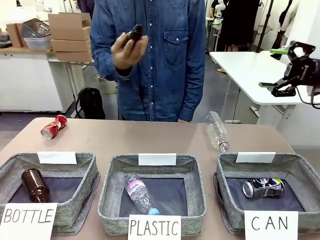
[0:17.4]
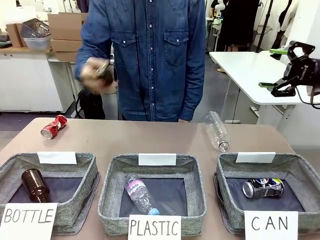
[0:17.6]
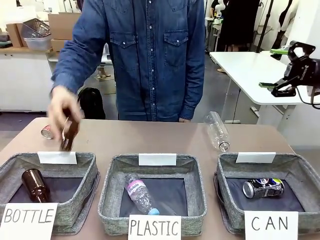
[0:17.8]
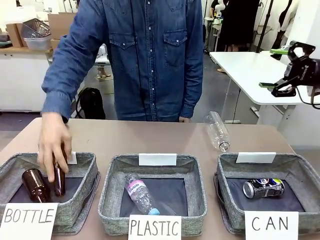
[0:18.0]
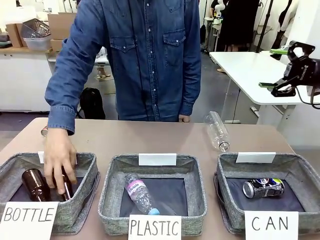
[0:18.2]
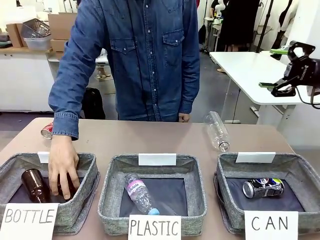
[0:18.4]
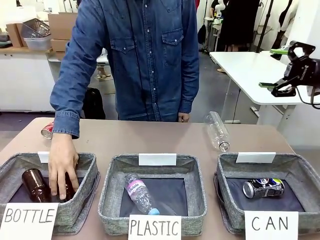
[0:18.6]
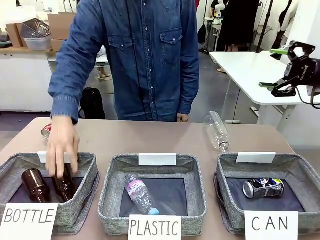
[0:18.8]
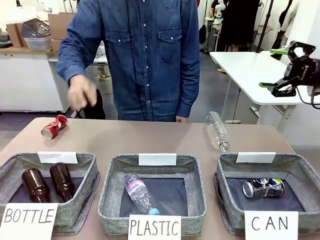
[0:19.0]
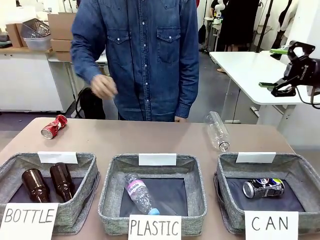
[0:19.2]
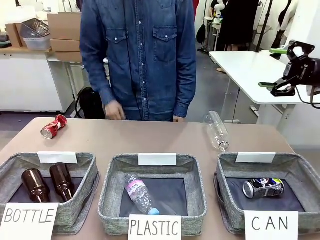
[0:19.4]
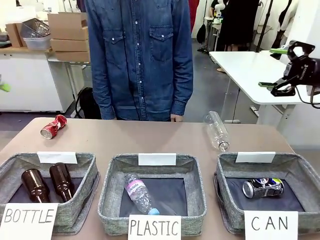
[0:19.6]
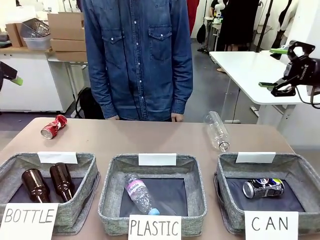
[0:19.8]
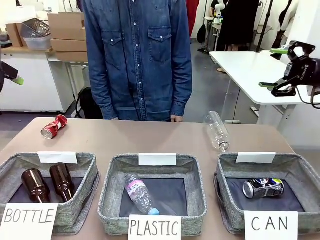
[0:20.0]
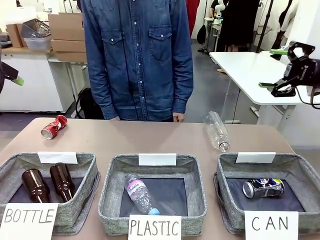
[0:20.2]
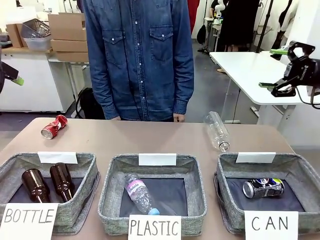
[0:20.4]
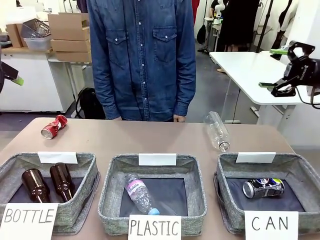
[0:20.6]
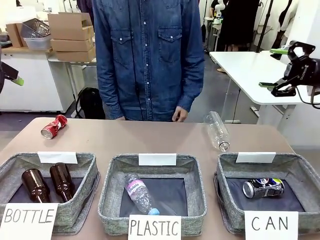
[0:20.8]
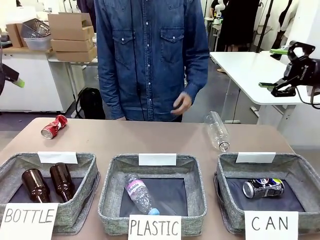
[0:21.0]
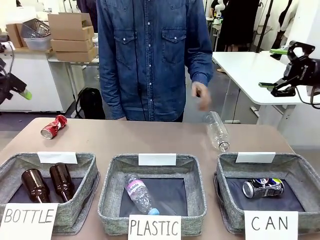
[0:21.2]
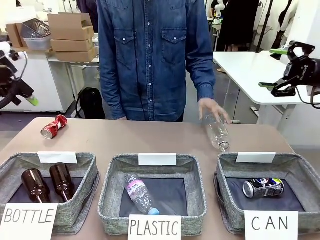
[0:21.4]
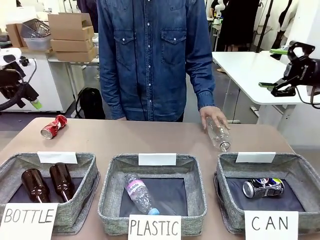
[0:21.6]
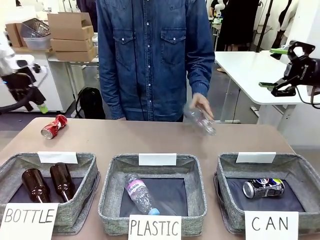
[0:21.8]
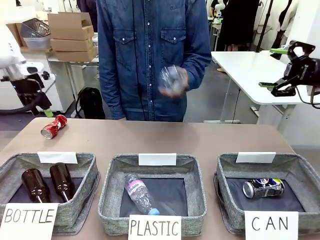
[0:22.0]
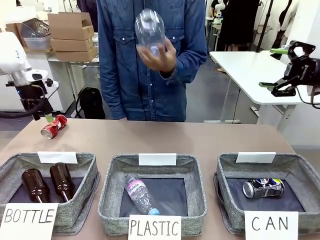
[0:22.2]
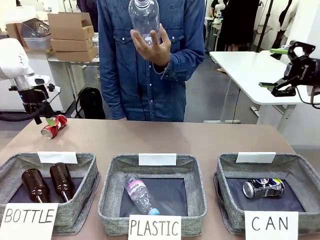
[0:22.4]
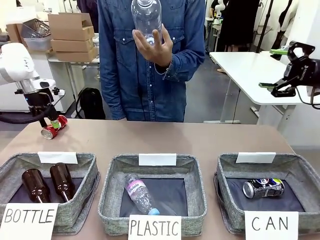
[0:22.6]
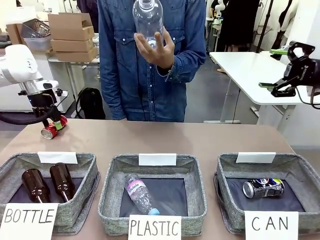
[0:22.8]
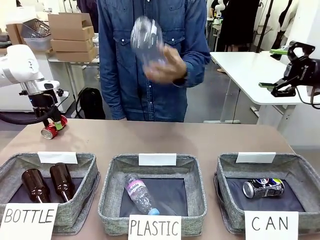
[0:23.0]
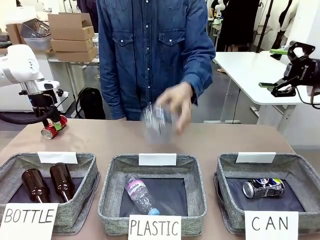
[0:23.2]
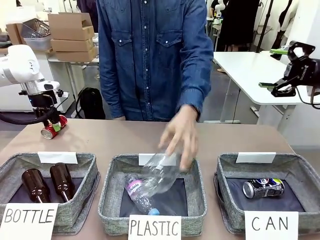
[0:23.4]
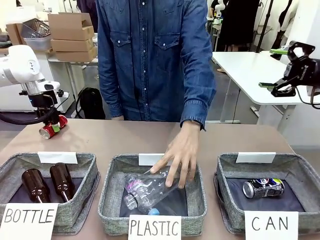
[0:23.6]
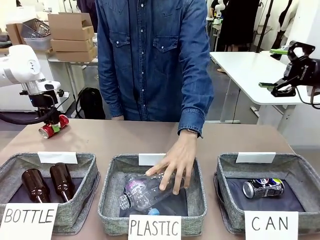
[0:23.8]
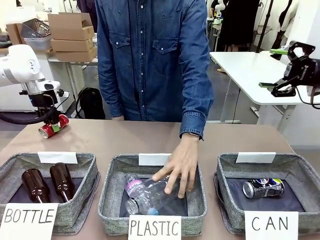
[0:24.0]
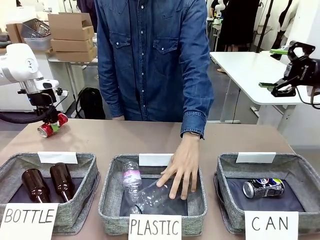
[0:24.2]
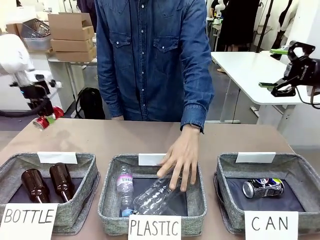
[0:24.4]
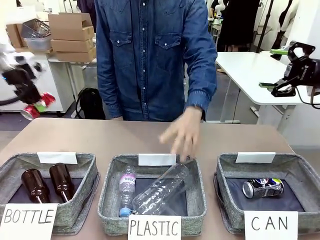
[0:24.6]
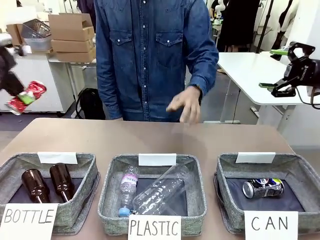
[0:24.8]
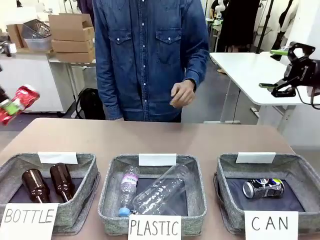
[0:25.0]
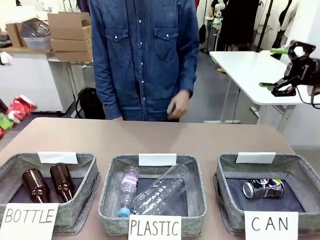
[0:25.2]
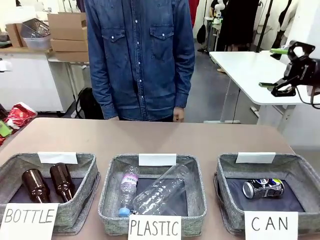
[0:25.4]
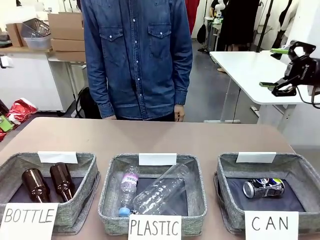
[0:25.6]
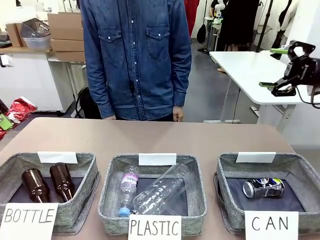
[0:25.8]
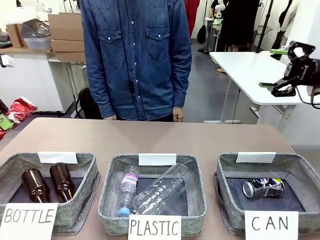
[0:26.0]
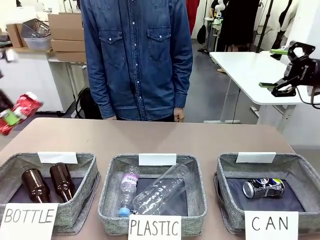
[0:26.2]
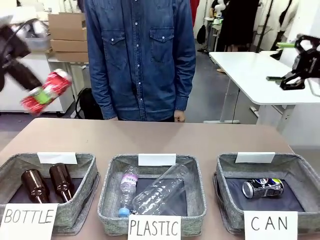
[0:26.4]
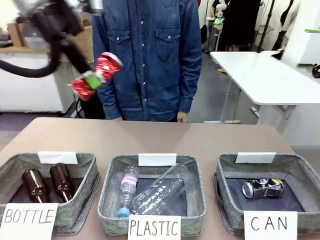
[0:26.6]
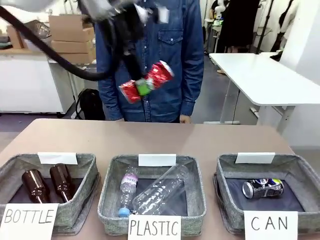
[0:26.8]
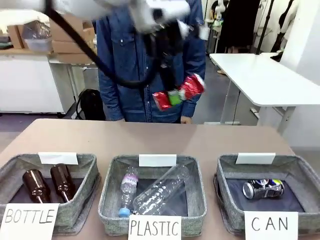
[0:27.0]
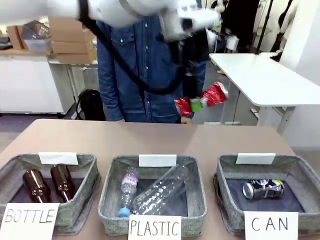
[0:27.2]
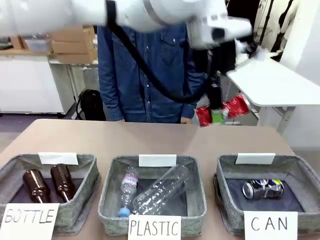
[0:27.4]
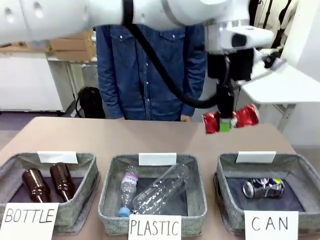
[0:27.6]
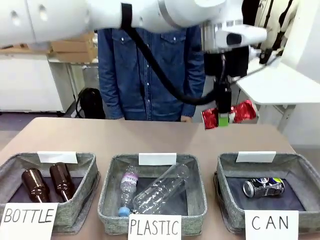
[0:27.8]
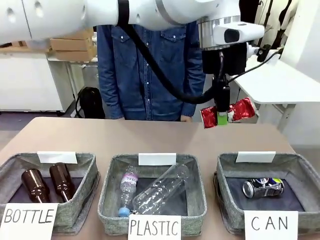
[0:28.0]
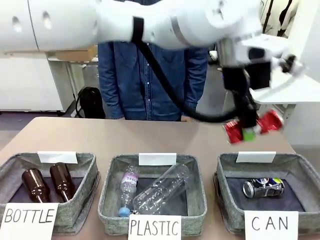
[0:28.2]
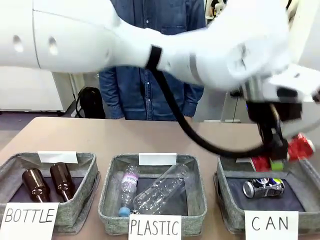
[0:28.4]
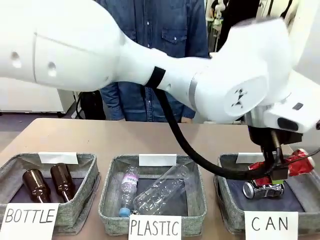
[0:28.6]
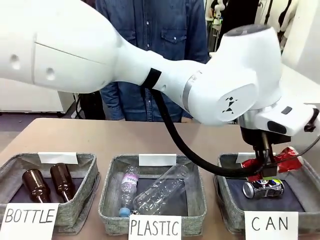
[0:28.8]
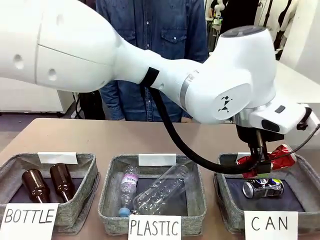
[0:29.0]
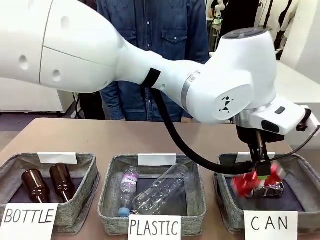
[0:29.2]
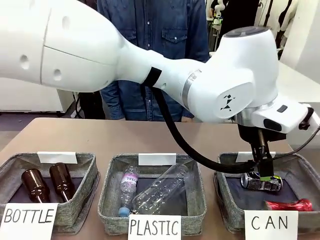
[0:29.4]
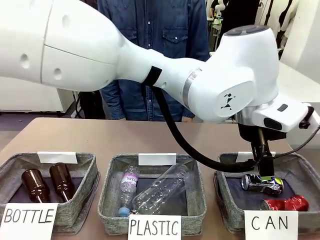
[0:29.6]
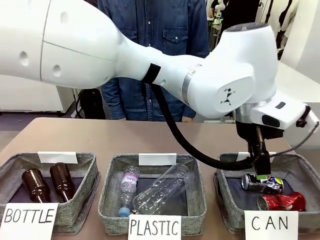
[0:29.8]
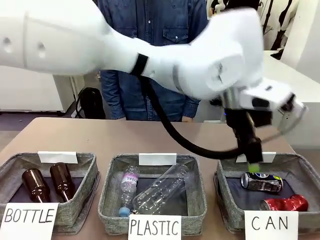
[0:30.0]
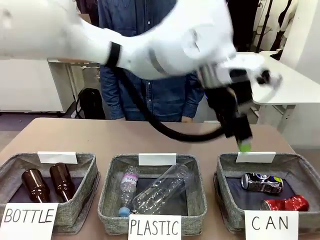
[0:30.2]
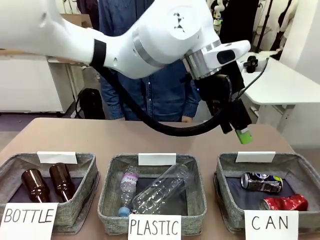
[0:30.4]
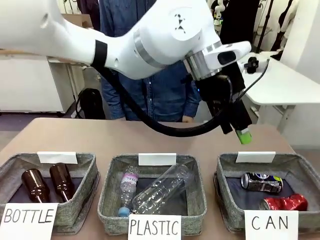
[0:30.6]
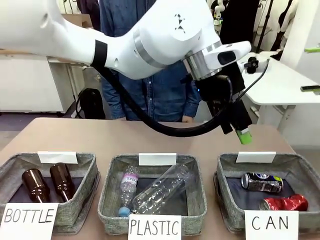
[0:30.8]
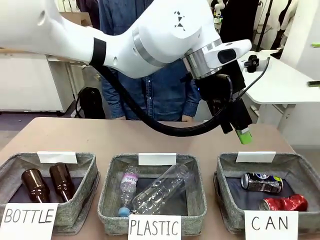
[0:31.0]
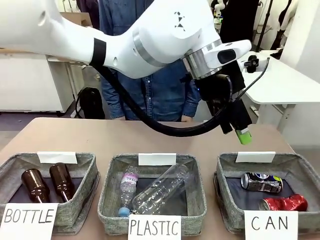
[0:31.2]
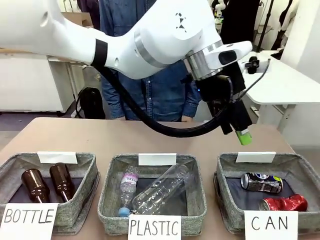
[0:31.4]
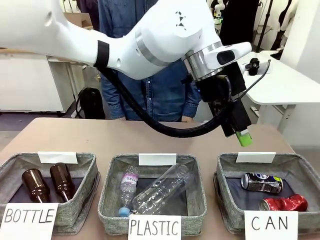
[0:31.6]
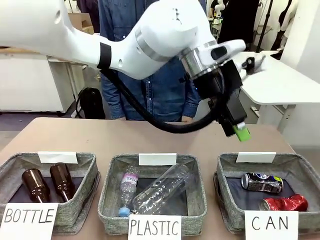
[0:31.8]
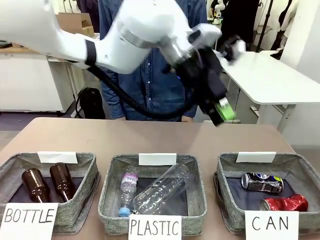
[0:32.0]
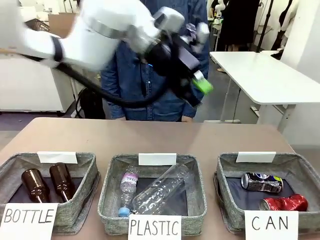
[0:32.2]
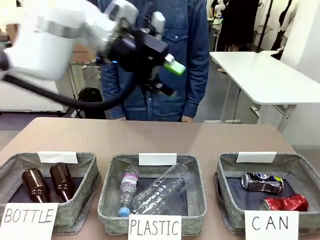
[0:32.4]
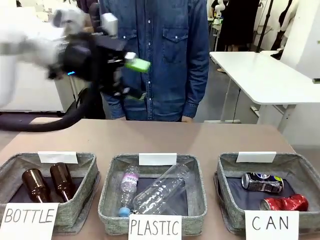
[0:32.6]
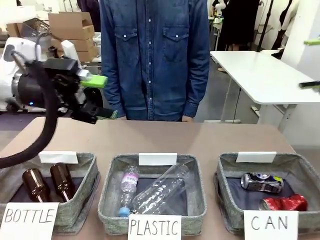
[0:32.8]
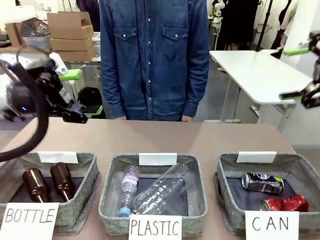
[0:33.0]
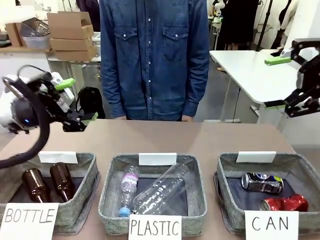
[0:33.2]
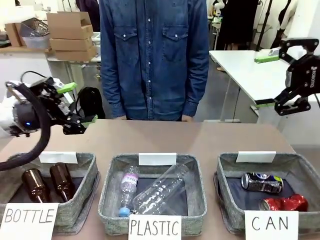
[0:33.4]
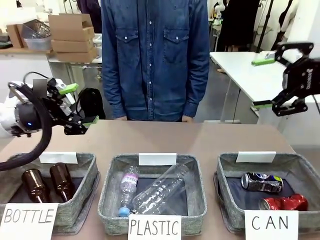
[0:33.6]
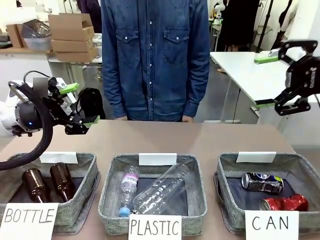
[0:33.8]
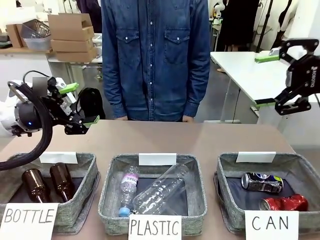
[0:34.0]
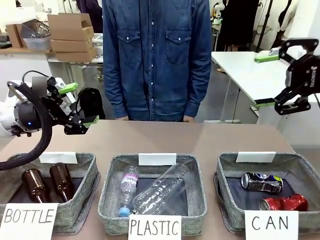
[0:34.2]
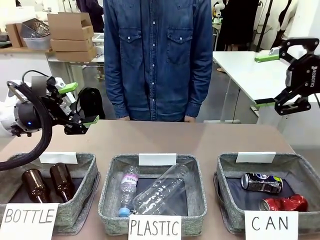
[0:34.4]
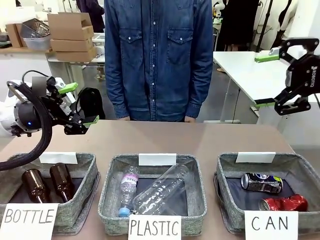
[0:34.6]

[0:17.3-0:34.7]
Task: Sort the can waste into the basket.
Robot: Pick up the can waste from the table and place it in the right Fabric basket.
Person: The human picks up one piece of trash that is not a can and places the trash into the appropriate organizing basket.
